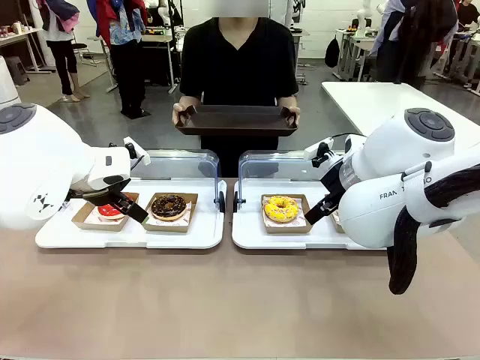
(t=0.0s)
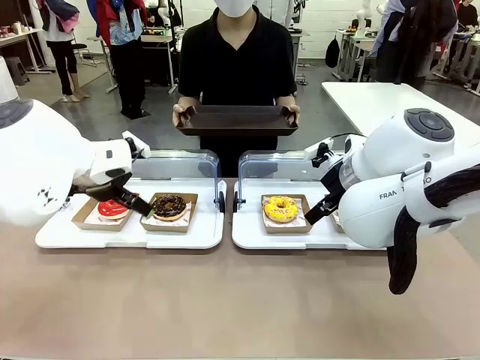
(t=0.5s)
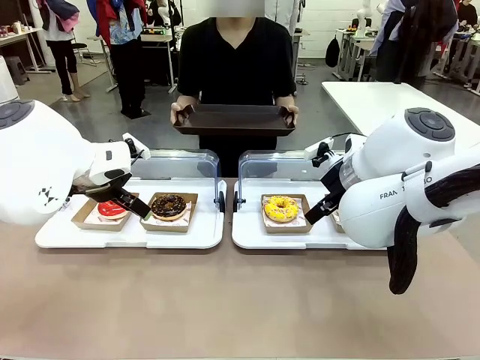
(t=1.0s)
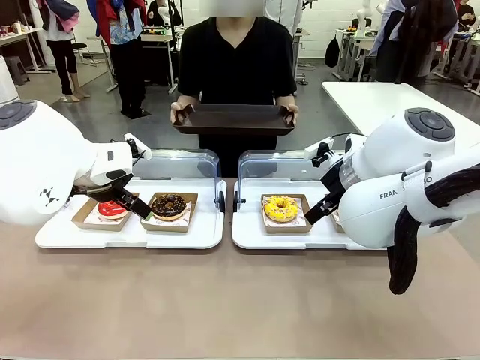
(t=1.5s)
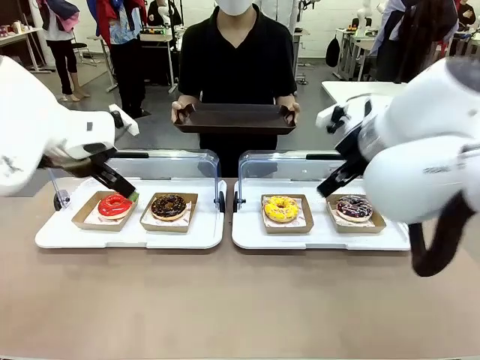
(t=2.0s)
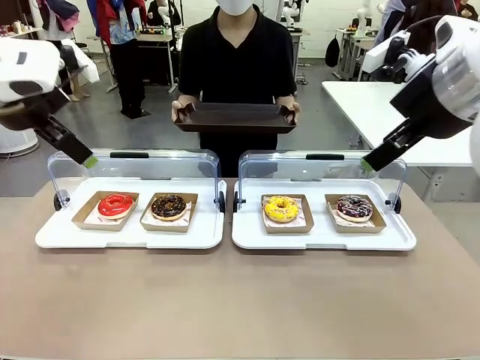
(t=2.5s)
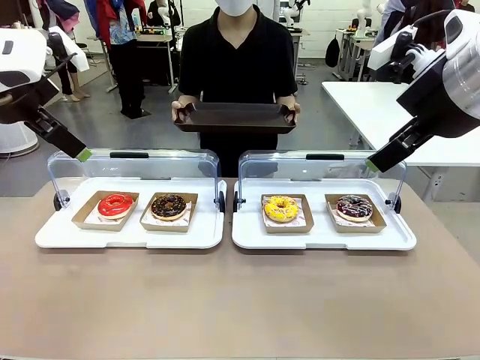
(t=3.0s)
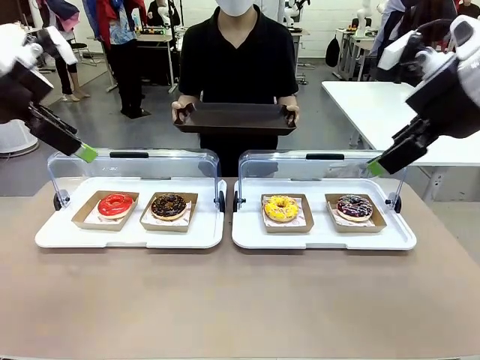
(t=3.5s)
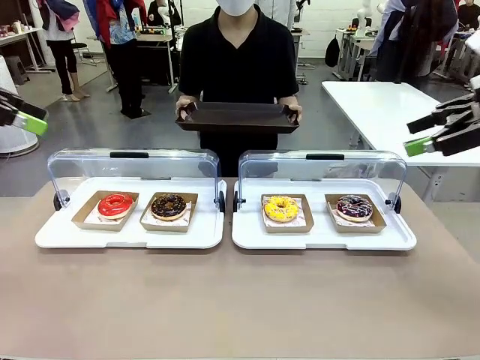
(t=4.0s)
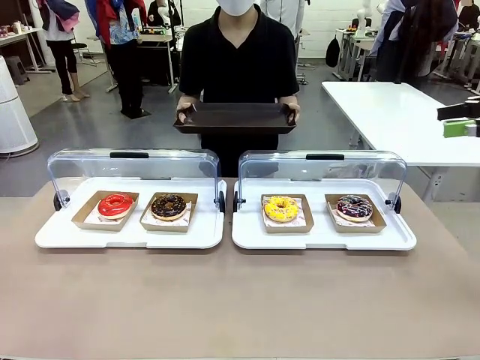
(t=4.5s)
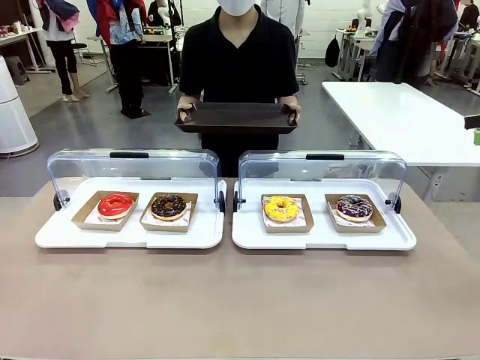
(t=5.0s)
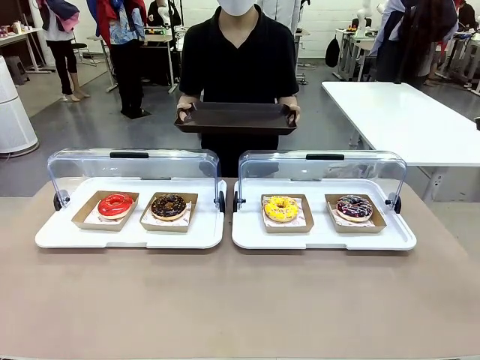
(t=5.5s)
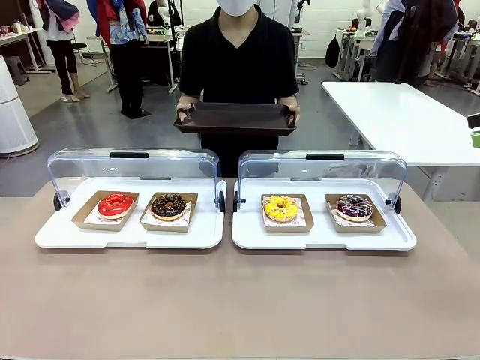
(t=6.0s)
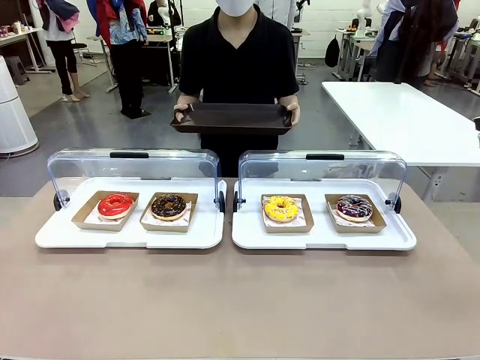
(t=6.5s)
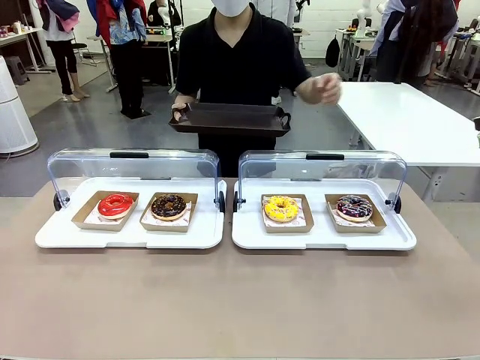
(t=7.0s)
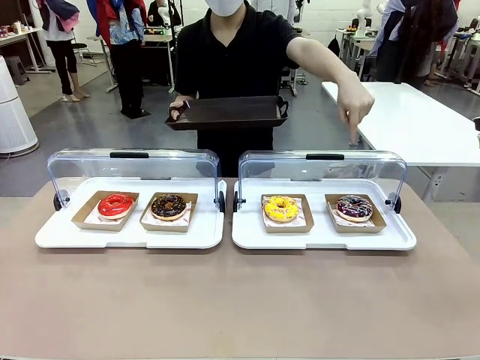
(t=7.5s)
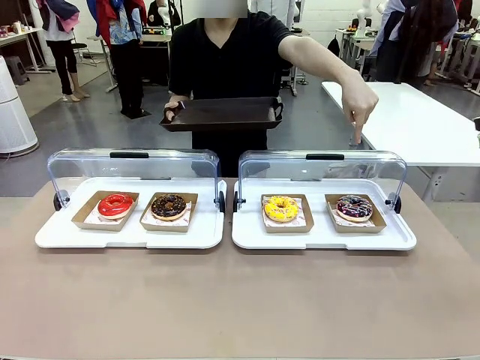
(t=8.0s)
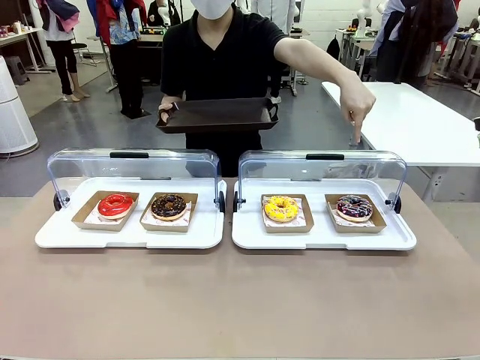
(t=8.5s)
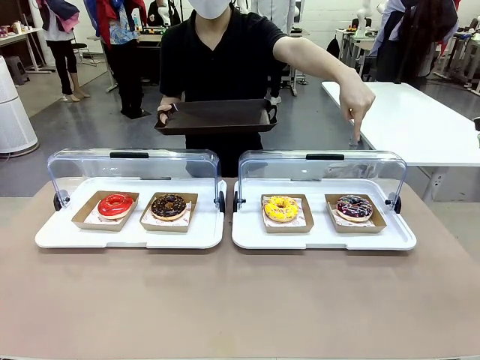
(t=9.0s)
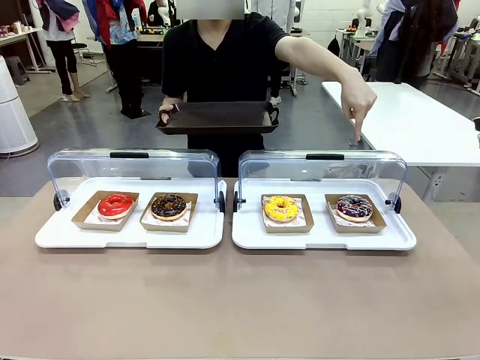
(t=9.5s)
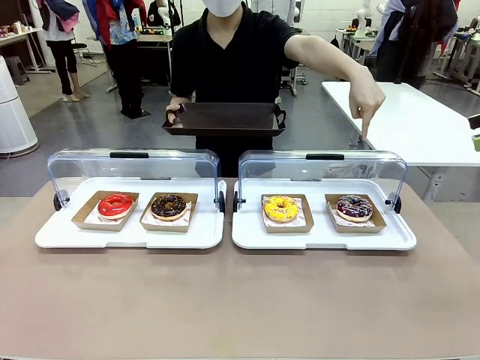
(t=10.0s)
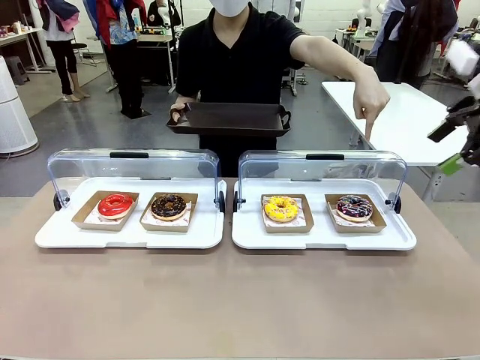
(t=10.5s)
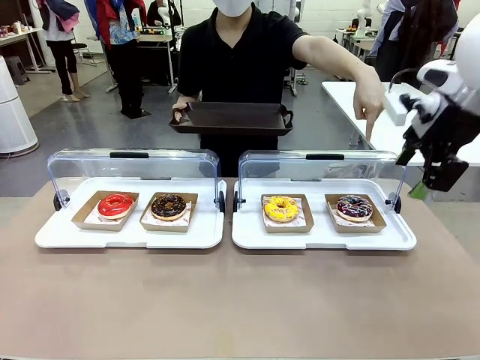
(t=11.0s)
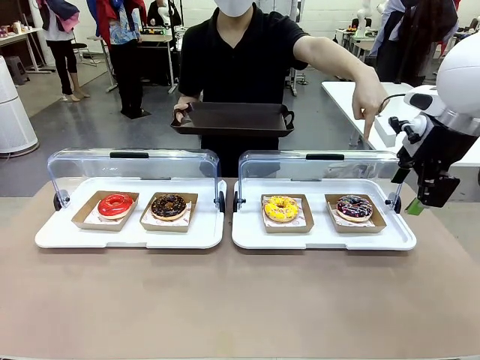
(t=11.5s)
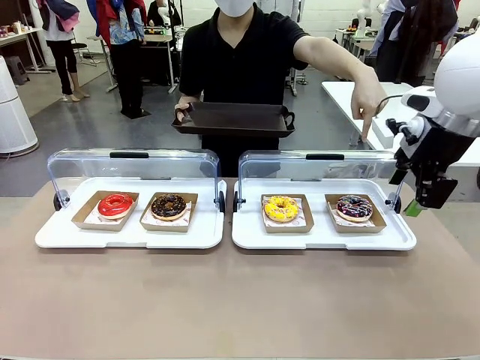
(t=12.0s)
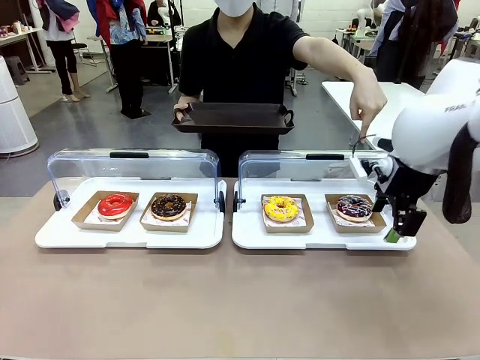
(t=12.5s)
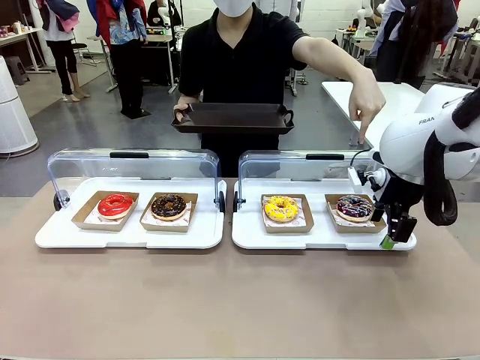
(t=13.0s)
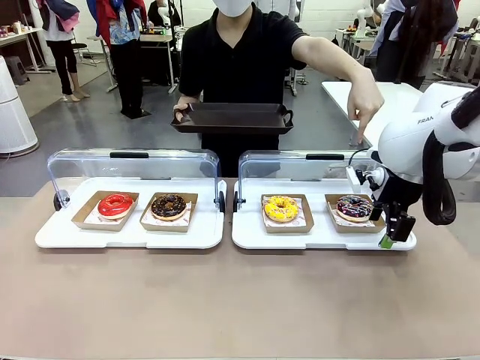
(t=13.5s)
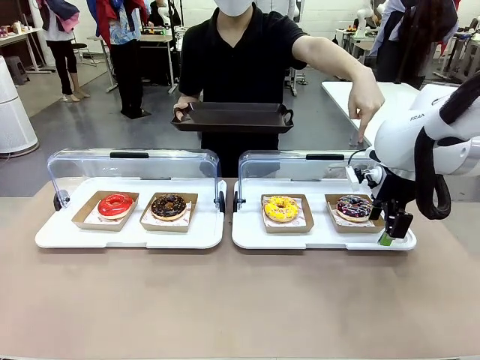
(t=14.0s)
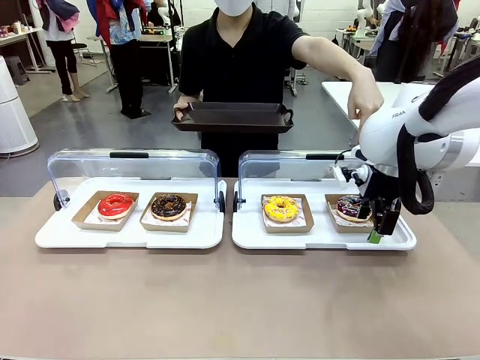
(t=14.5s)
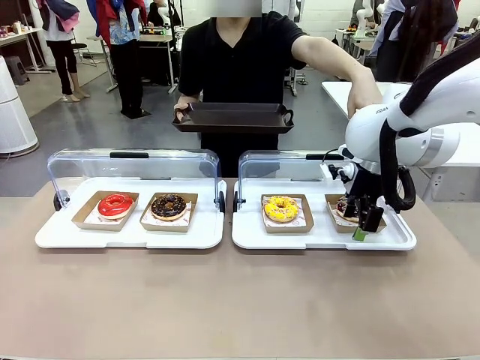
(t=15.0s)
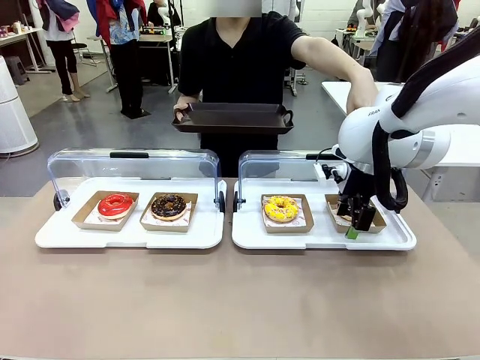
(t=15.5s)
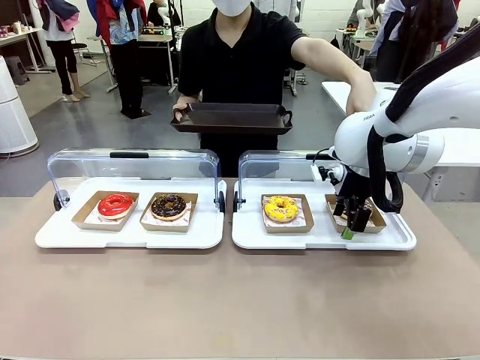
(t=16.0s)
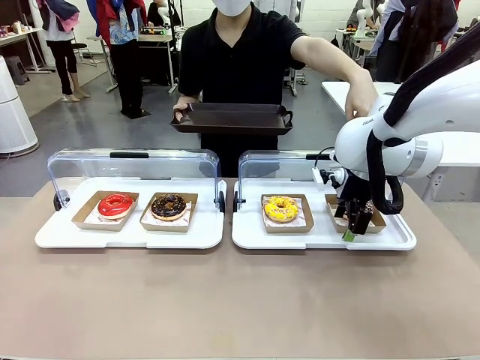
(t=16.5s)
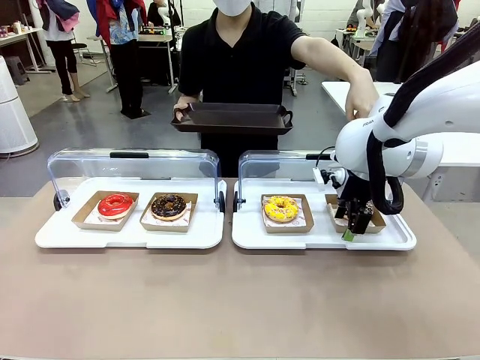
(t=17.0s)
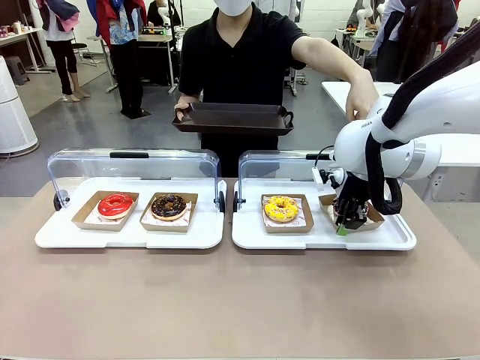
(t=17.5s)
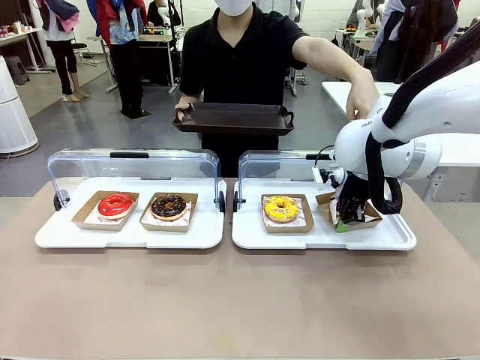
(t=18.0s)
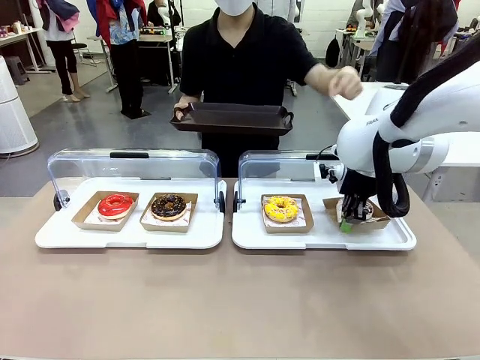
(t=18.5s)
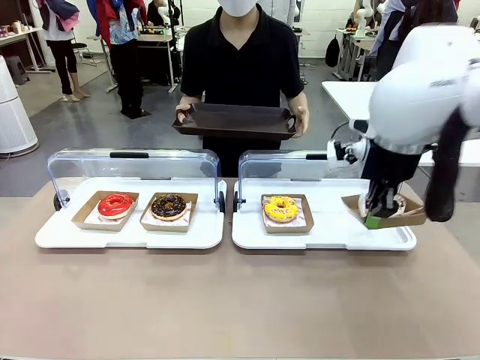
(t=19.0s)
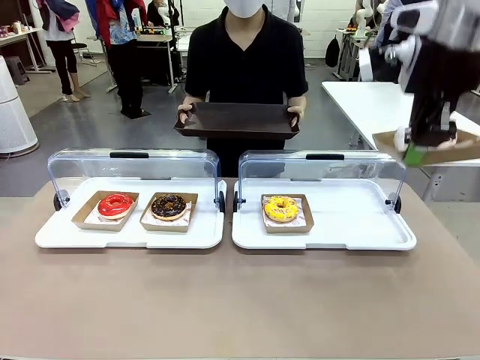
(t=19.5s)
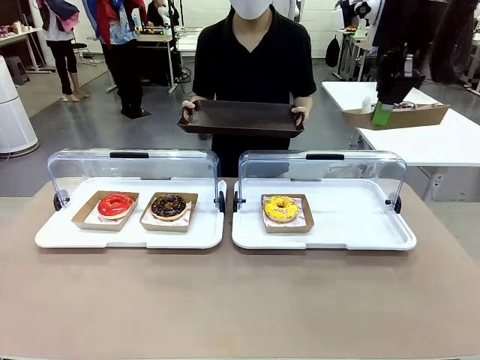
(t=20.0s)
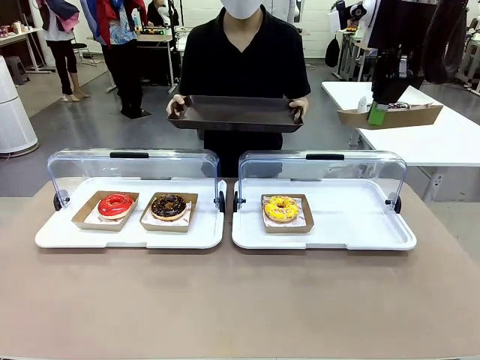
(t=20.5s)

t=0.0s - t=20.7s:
Task: Provide the desired donut to the person.
Robot: Pick up and lift the Paper togo box containing the Donut pointed at by the person.
Person: Point to one donut. Lift the tray onto the Roll-Top Bakery Case.

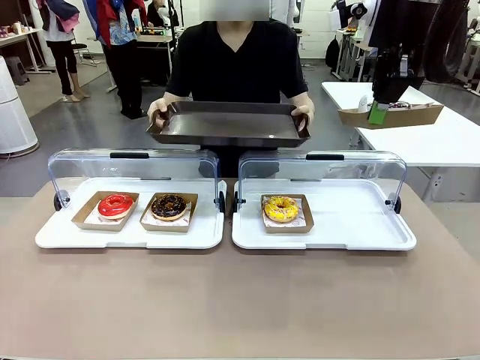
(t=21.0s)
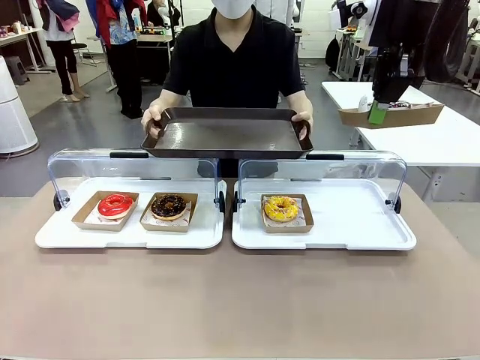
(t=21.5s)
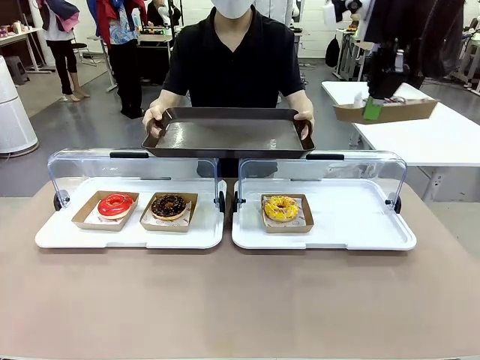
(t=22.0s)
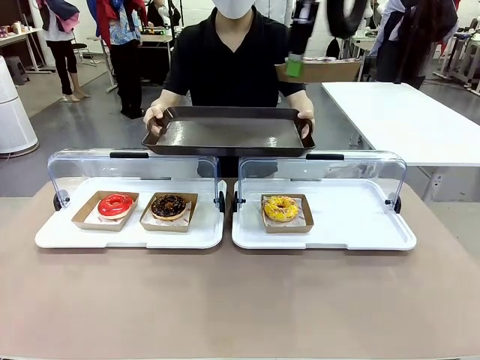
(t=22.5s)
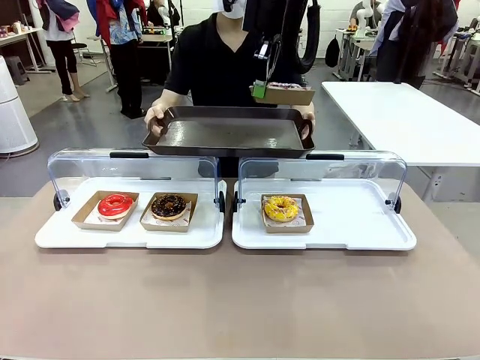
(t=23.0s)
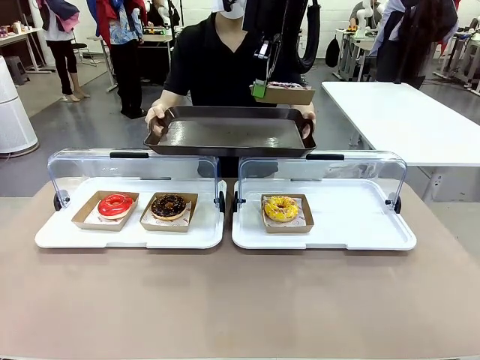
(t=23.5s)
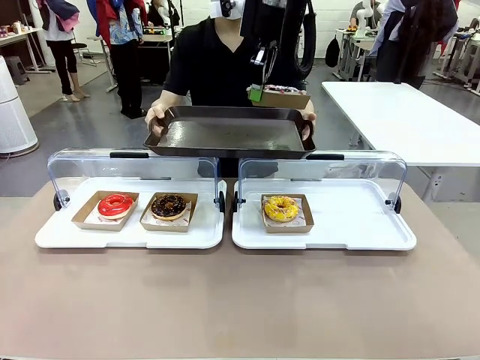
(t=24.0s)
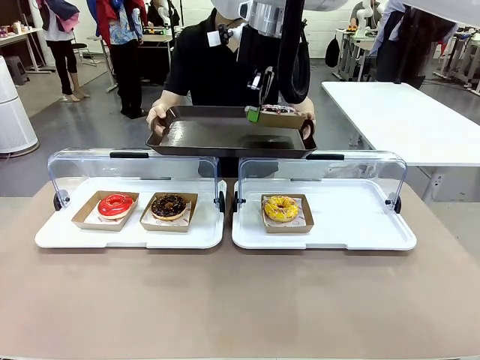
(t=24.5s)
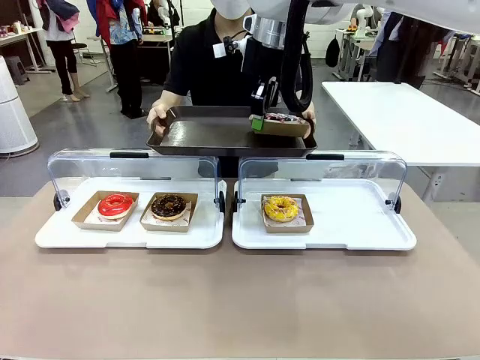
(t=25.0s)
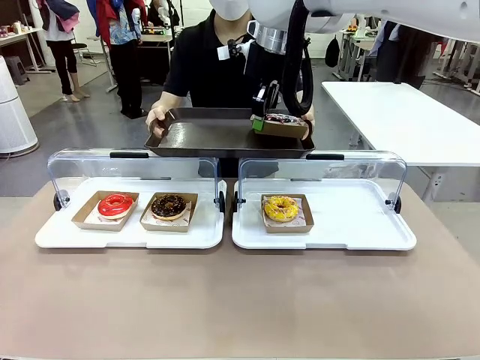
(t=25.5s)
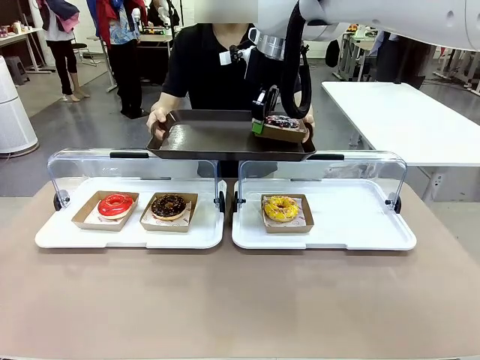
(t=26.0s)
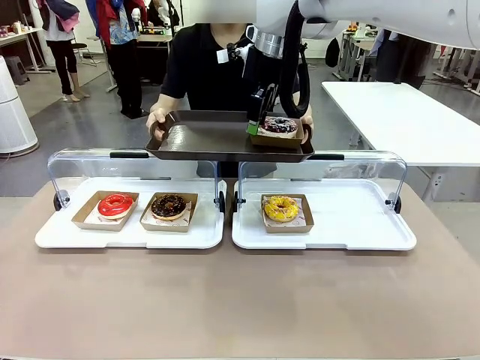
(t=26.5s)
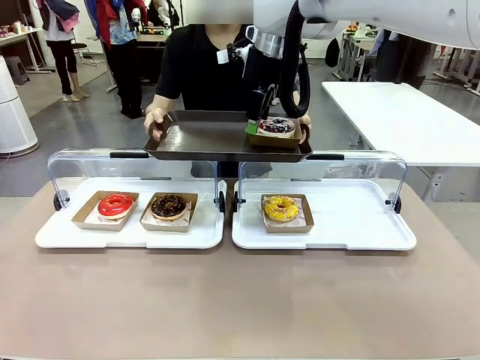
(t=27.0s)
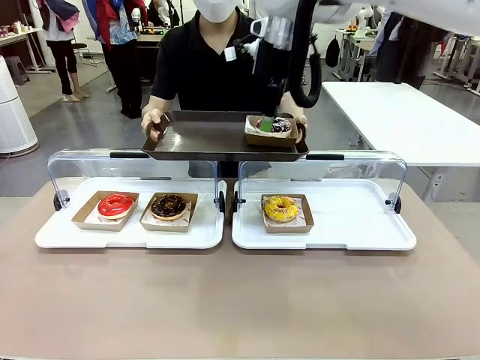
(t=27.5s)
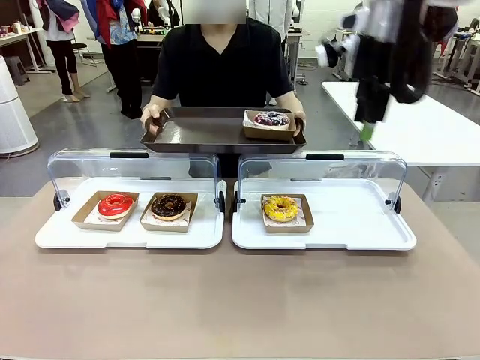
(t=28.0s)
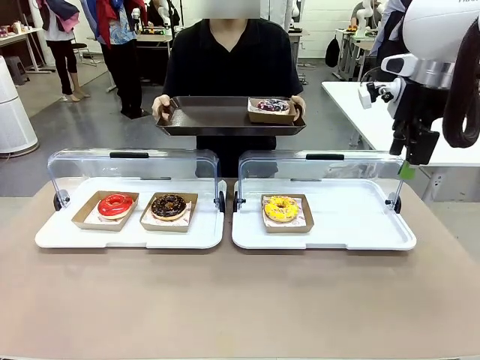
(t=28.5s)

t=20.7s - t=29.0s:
Robot: Place the picked Paper togo box onto the Handle tray extended by the person.
